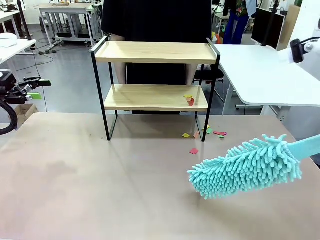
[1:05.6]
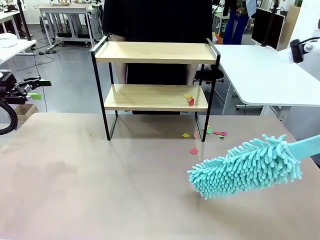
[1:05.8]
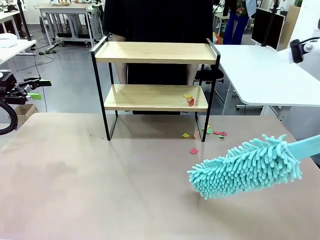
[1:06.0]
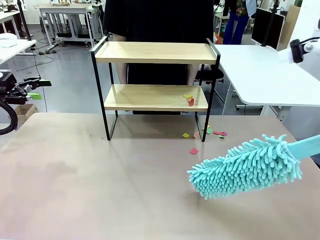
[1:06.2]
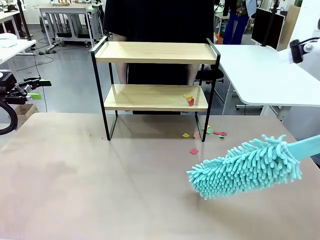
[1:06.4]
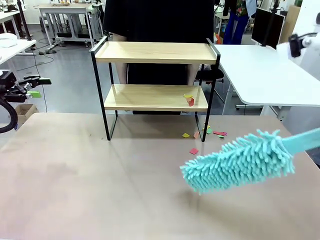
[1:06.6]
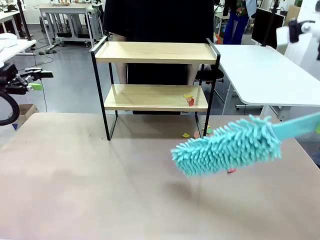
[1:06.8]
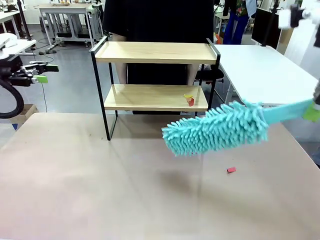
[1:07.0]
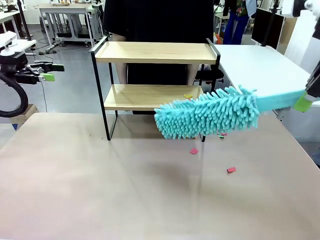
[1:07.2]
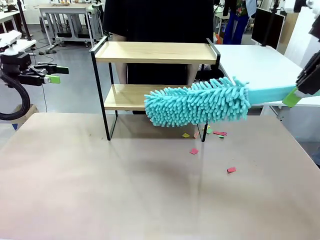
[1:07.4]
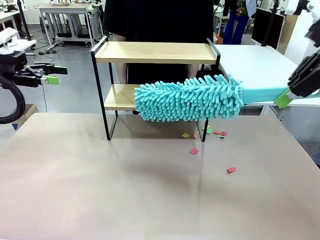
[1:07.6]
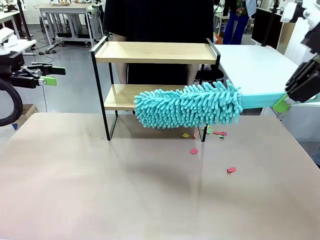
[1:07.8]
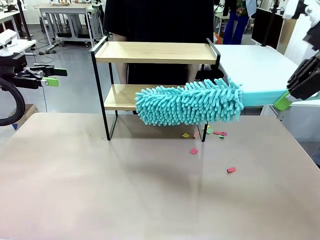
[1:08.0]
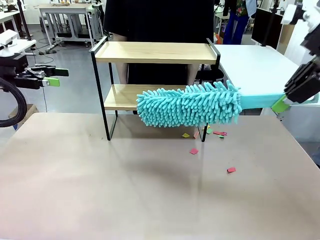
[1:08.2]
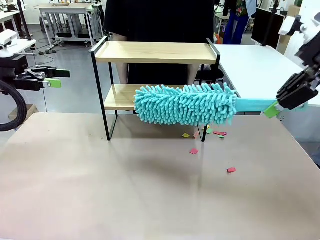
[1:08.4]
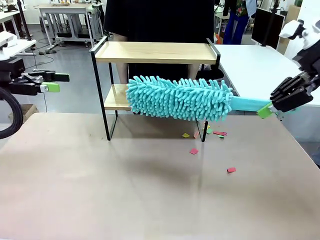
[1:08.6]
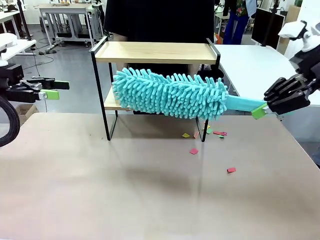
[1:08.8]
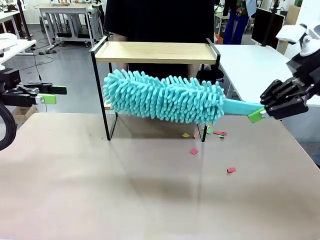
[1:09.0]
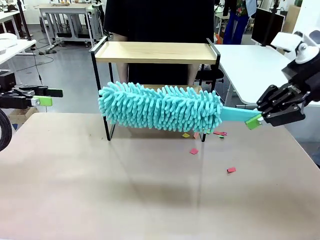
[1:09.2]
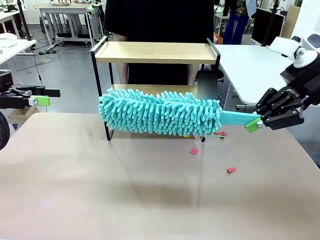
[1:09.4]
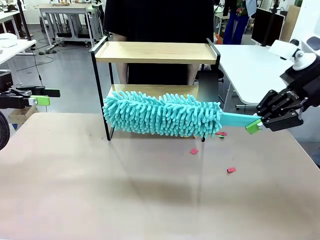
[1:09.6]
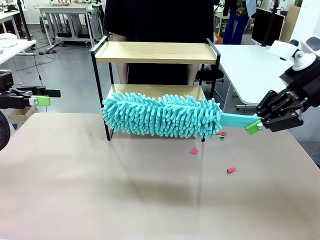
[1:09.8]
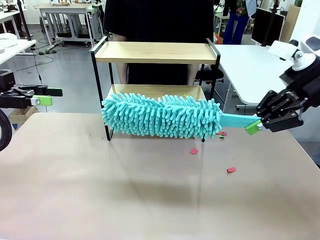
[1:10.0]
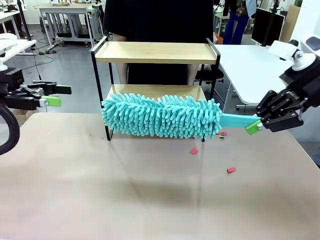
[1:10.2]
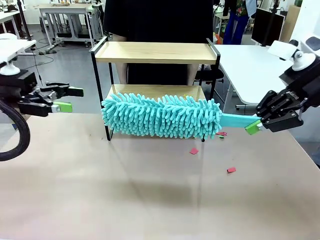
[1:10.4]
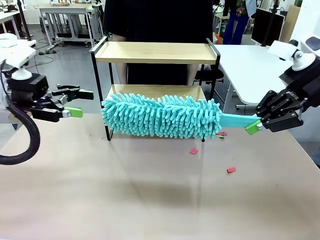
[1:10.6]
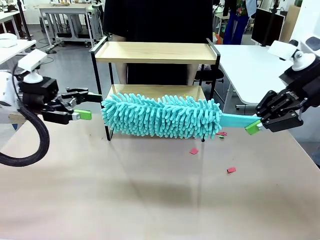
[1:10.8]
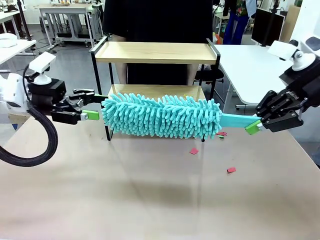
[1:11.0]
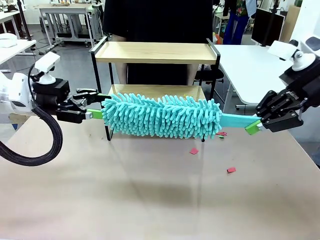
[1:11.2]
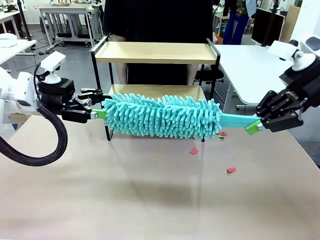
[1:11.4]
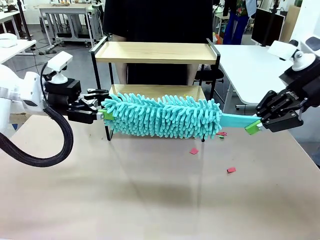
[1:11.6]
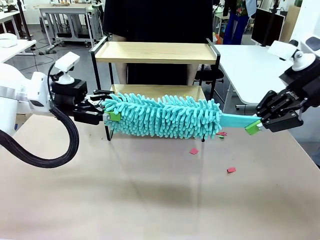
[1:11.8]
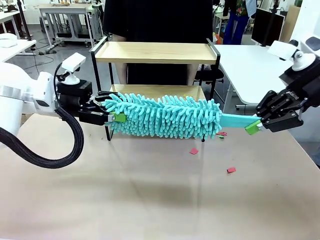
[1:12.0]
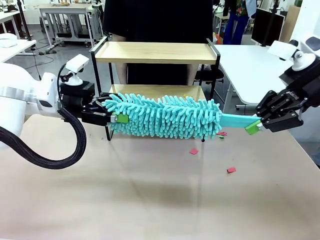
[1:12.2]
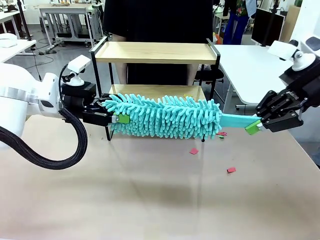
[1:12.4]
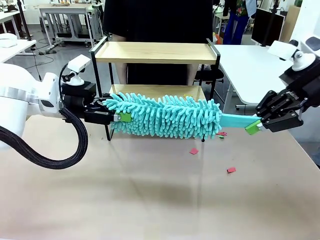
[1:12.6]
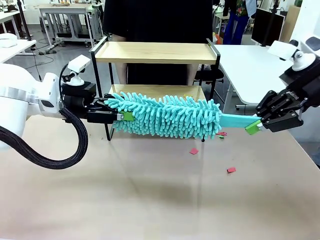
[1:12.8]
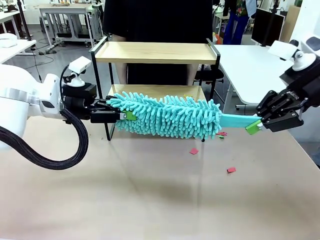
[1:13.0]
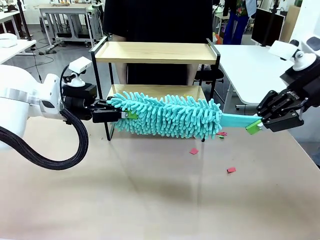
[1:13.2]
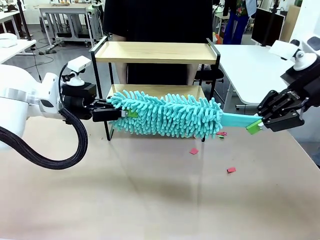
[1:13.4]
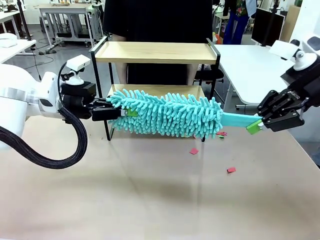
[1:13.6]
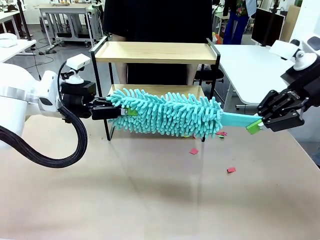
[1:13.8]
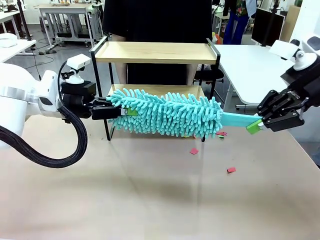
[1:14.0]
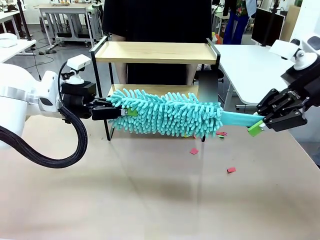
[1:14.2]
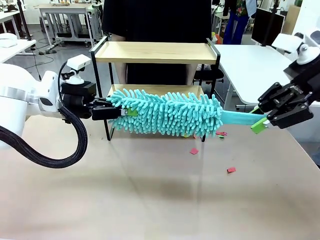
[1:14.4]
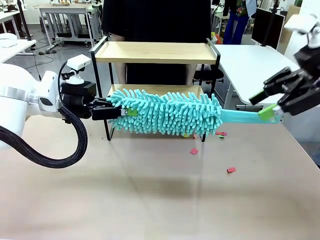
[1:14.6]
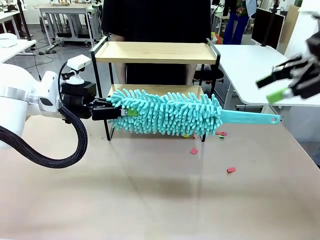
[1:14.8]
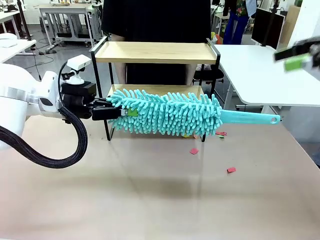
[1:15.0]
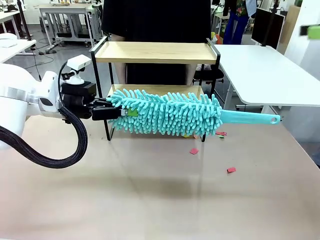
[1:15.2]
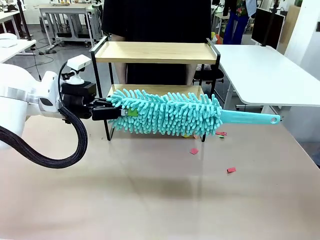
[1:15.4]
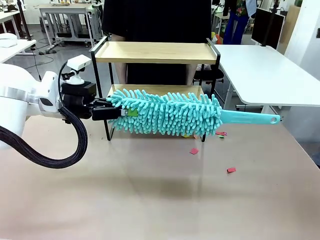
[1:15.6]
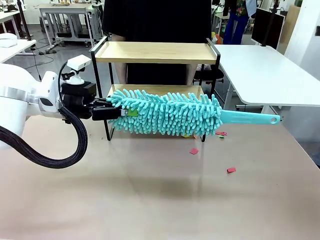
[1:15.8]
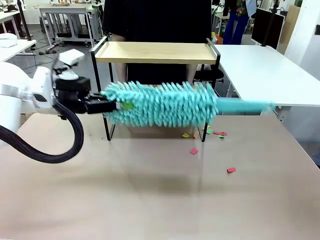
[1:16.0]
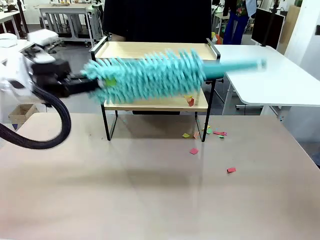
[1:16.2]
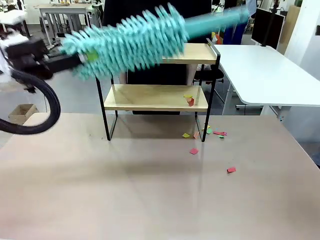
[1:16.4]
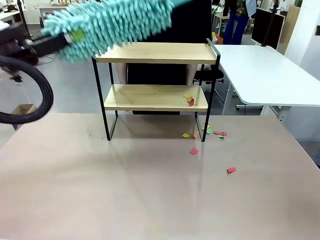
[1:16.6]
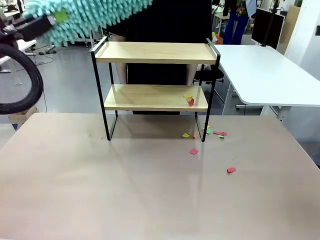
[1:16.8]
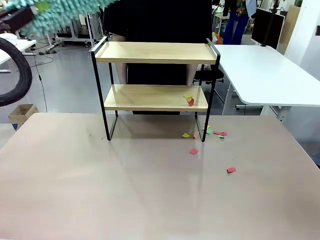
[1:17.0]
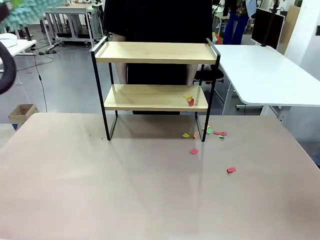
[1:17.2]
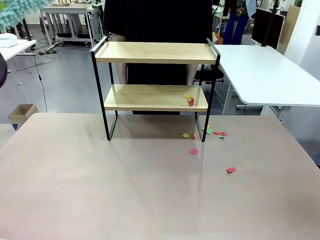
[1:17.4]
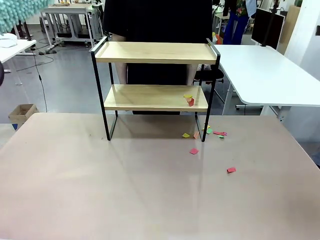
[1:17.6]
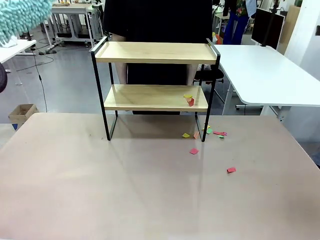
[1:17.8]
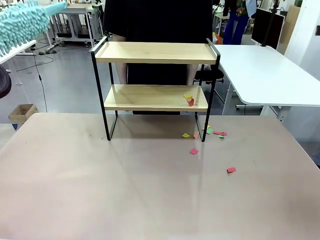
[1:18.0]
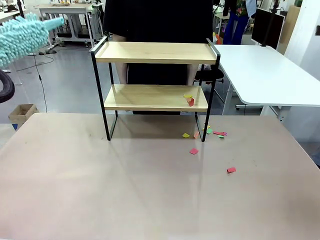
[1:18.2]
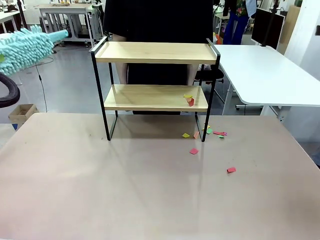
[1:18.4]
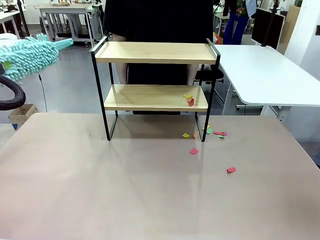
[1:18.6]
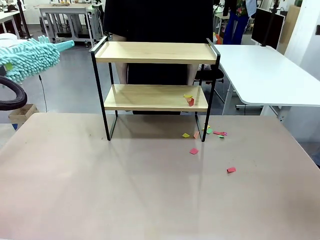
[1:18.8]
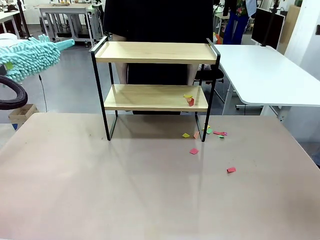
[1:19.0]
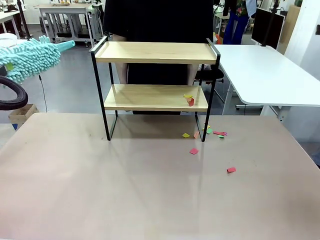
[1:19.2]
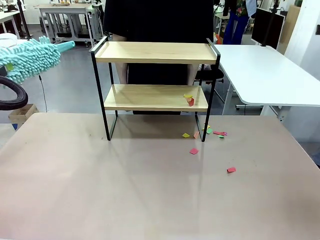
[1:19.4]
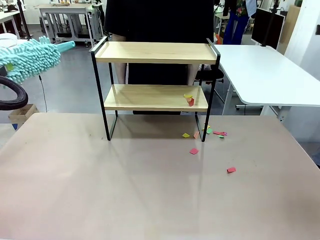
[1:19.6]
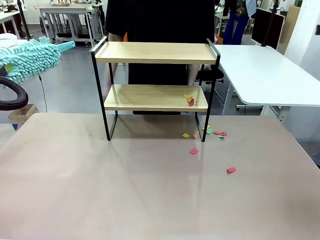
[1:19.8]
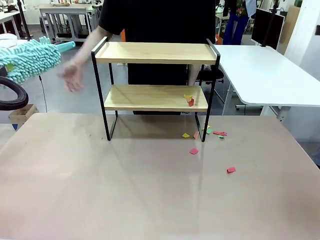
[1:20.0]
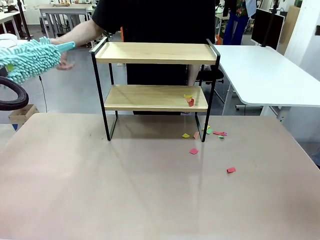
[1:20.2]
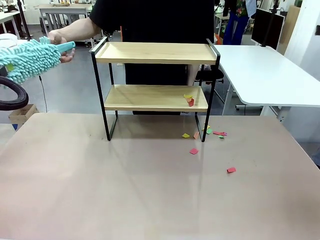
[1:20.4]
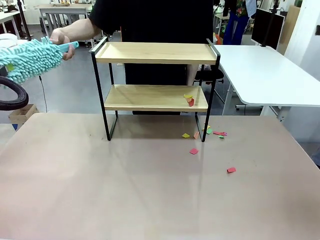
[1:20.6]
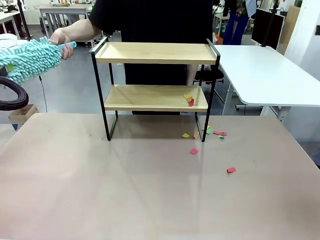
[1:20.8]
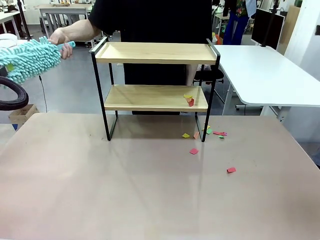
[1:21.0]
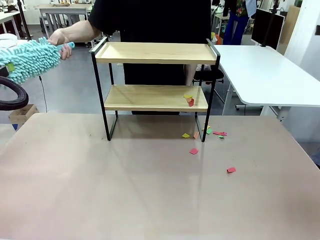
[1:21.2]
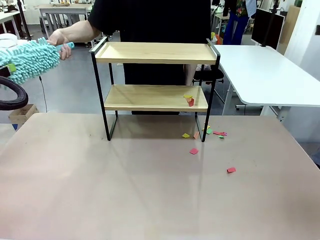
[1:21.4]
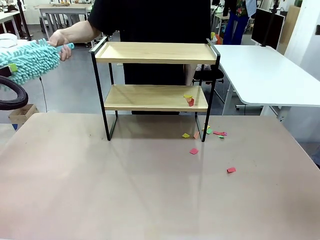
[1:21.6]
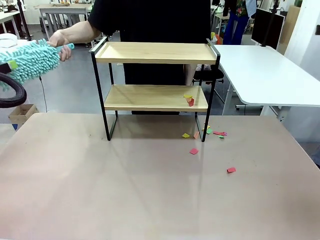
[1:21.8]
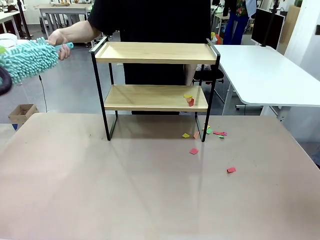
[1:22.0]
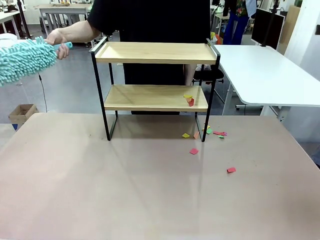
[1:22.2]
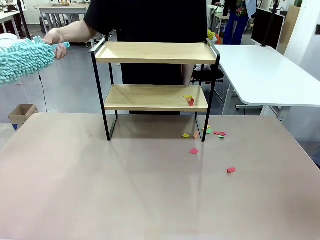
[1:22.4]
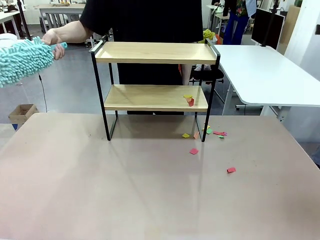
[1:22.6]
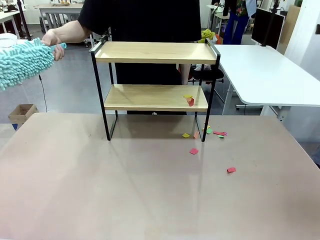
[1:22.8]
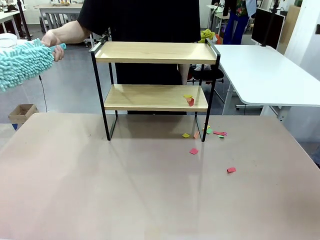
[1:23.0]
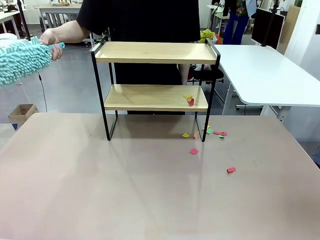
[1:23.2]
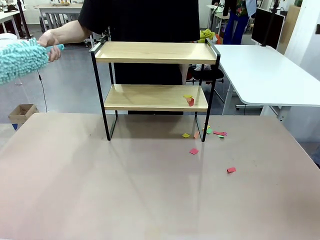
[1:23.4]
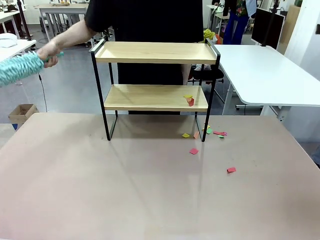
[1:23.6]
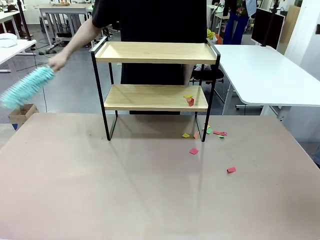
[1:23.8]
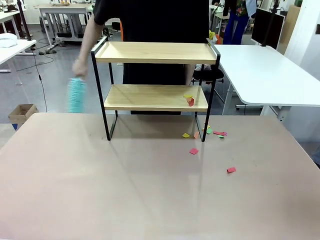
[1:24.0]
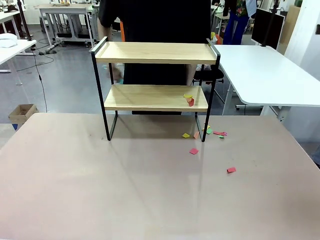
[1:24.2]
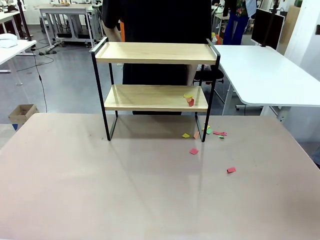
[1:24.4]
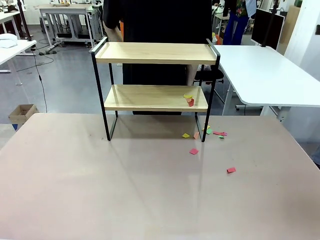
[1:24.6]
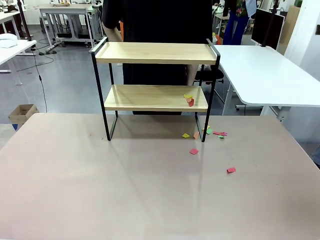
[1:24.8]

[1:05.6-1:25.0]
Task: Clean the shelf.
Robot: Hand the Duster back to the human.
Person: Receive the Duster from the robot.
